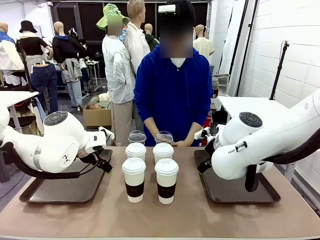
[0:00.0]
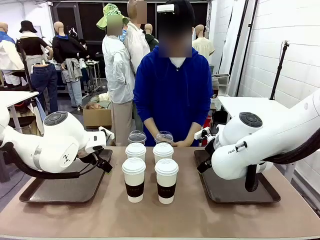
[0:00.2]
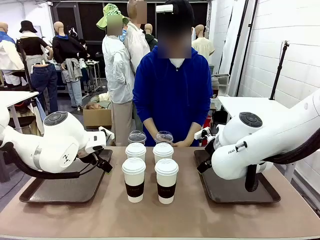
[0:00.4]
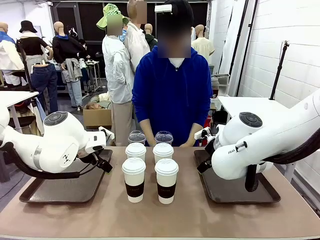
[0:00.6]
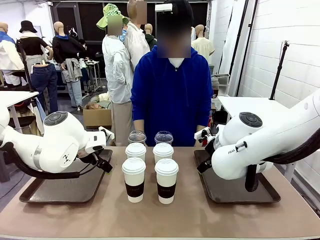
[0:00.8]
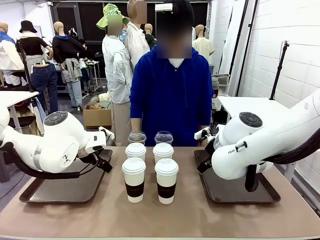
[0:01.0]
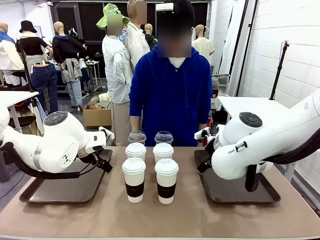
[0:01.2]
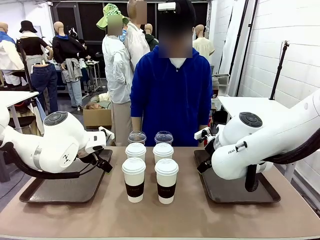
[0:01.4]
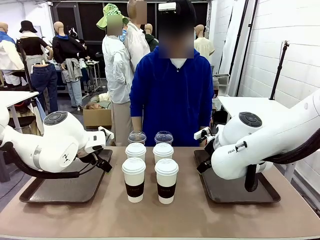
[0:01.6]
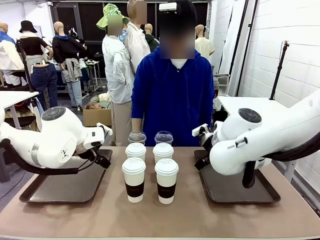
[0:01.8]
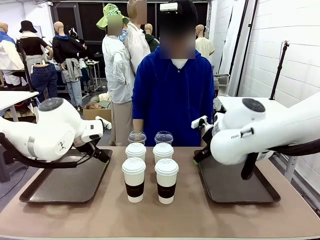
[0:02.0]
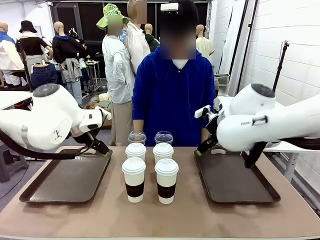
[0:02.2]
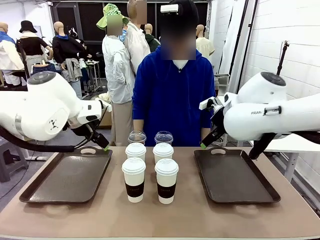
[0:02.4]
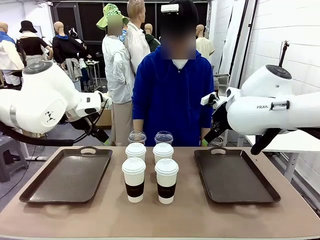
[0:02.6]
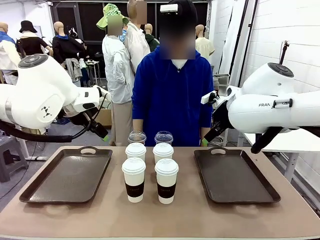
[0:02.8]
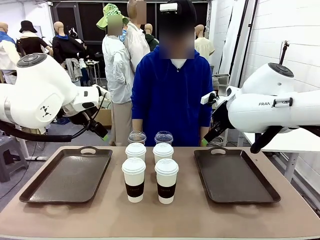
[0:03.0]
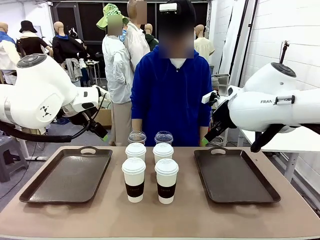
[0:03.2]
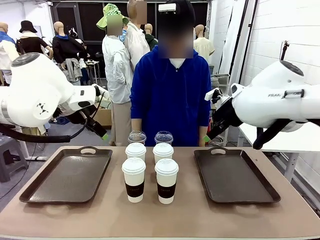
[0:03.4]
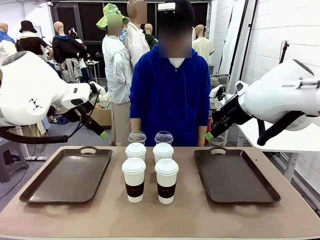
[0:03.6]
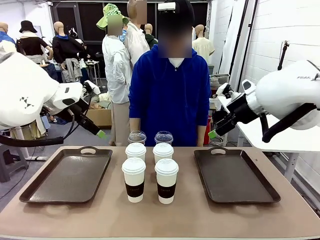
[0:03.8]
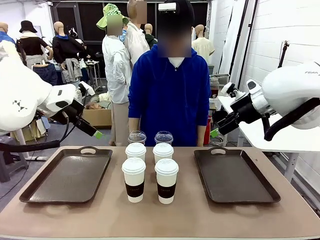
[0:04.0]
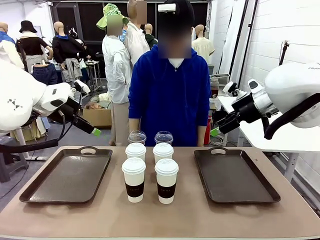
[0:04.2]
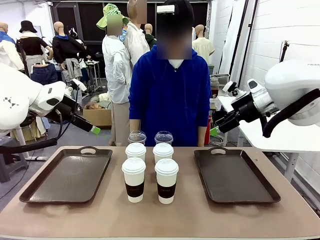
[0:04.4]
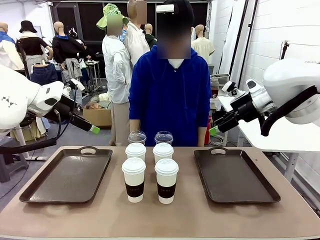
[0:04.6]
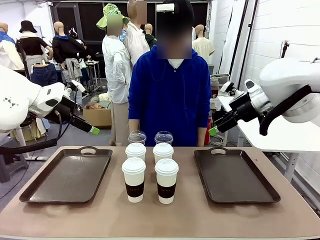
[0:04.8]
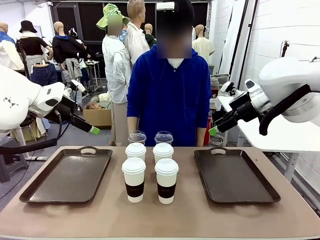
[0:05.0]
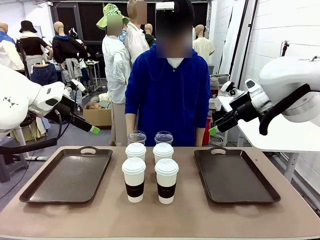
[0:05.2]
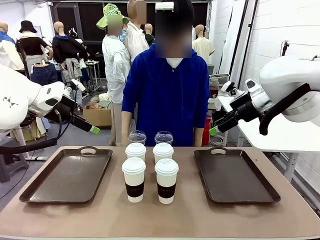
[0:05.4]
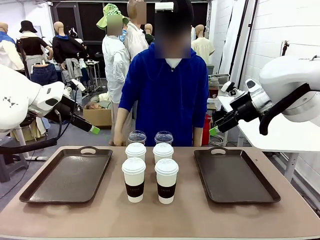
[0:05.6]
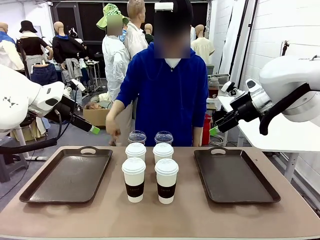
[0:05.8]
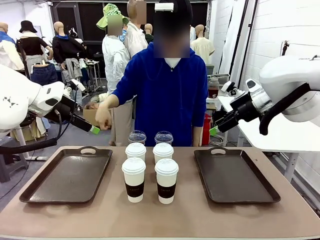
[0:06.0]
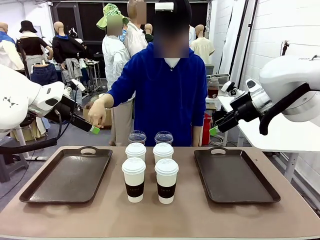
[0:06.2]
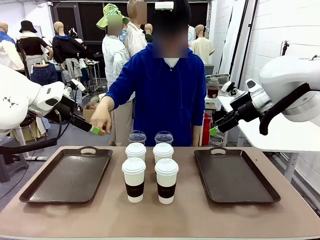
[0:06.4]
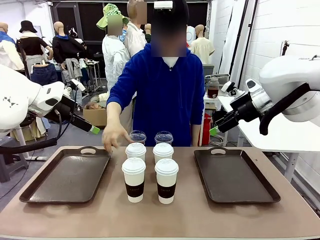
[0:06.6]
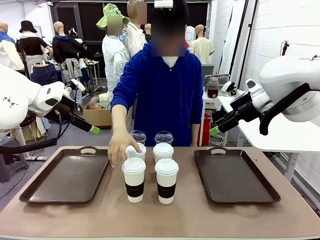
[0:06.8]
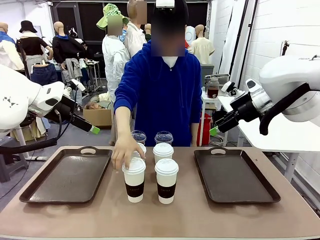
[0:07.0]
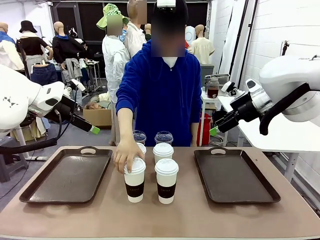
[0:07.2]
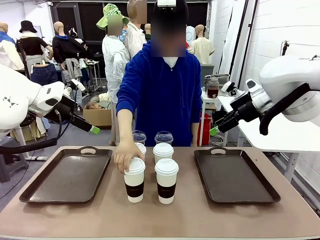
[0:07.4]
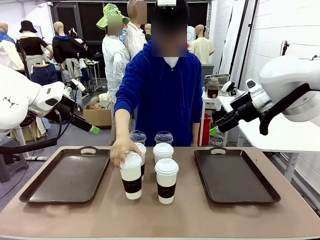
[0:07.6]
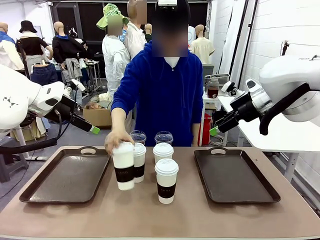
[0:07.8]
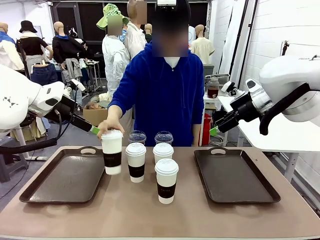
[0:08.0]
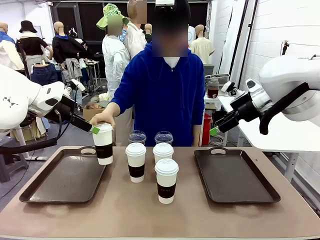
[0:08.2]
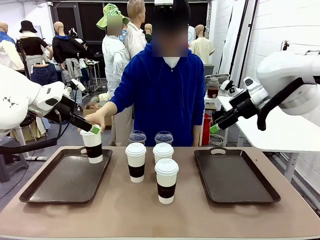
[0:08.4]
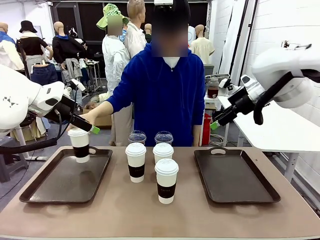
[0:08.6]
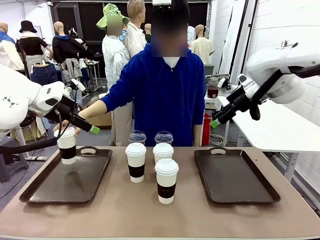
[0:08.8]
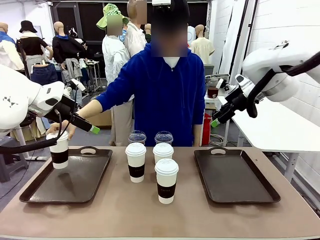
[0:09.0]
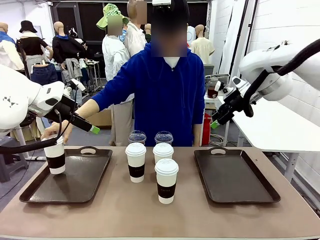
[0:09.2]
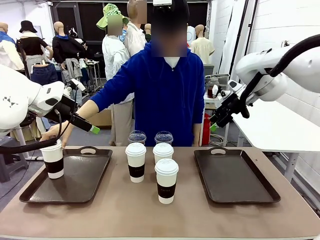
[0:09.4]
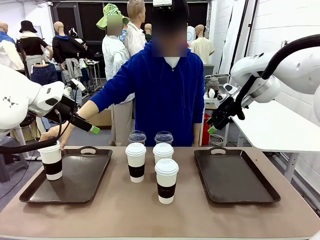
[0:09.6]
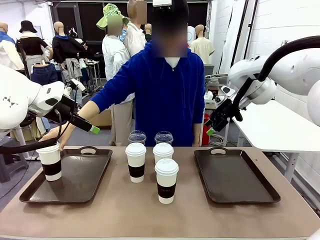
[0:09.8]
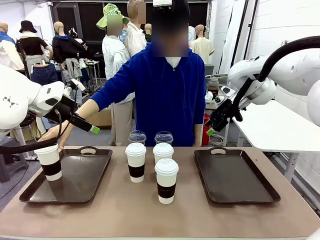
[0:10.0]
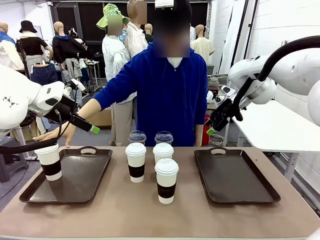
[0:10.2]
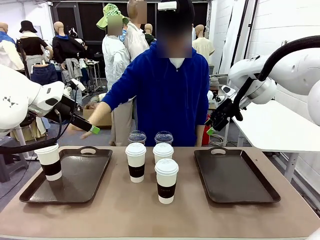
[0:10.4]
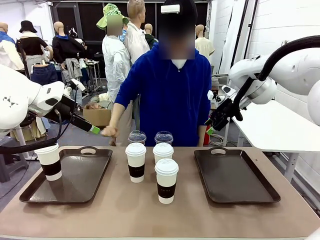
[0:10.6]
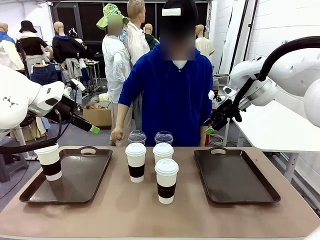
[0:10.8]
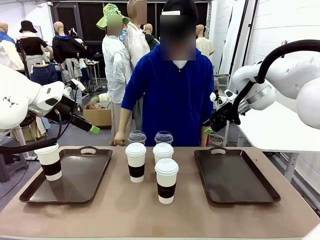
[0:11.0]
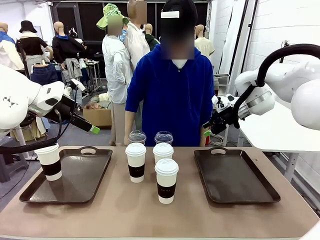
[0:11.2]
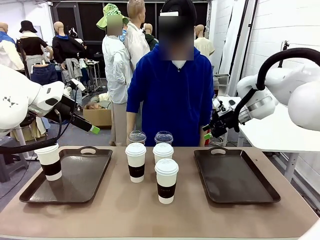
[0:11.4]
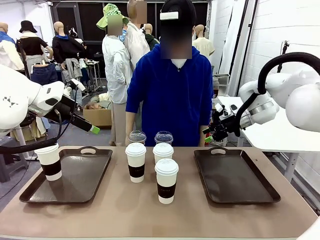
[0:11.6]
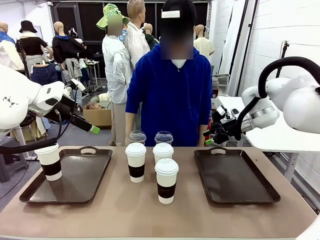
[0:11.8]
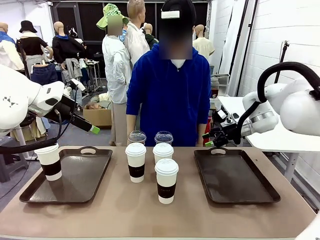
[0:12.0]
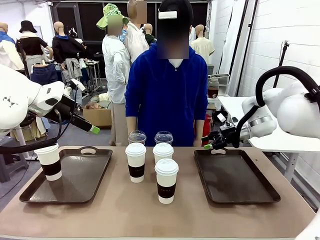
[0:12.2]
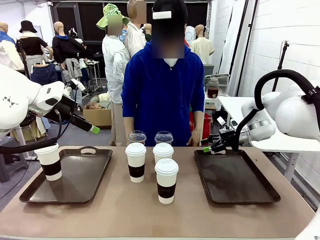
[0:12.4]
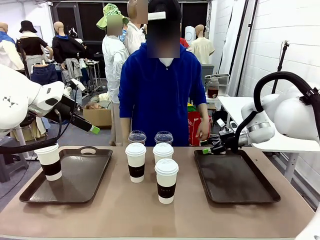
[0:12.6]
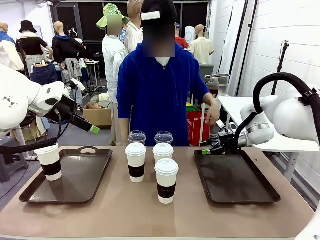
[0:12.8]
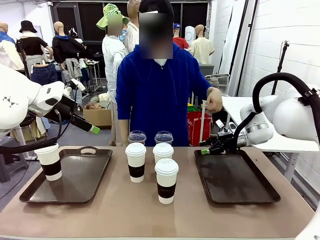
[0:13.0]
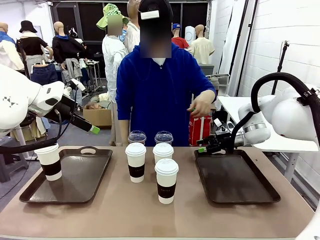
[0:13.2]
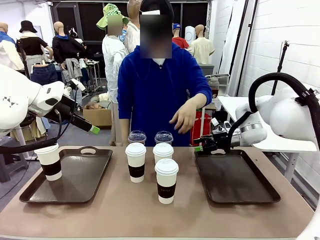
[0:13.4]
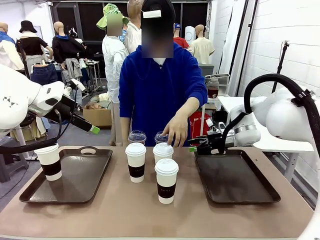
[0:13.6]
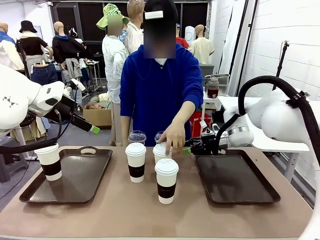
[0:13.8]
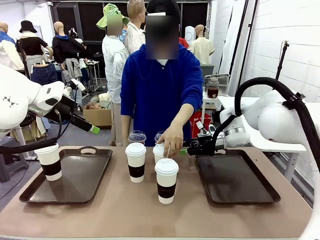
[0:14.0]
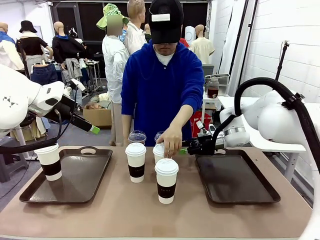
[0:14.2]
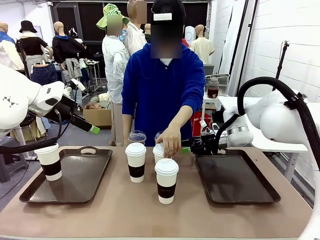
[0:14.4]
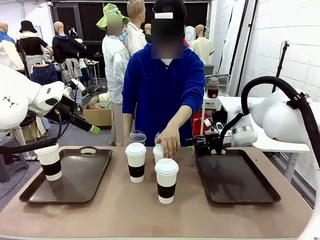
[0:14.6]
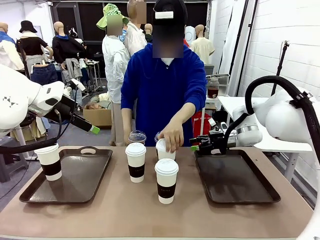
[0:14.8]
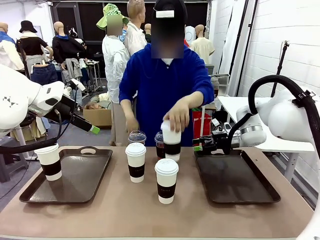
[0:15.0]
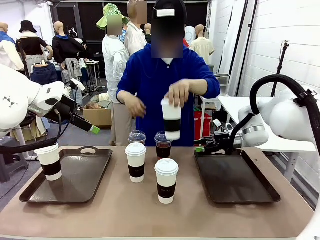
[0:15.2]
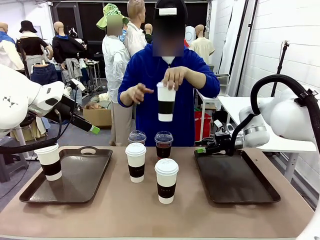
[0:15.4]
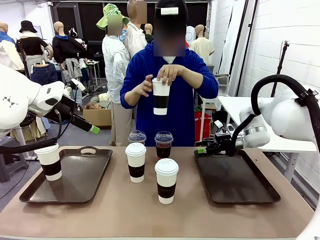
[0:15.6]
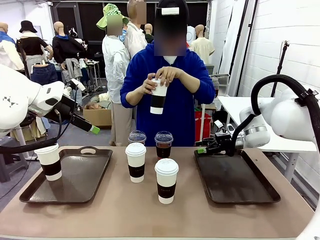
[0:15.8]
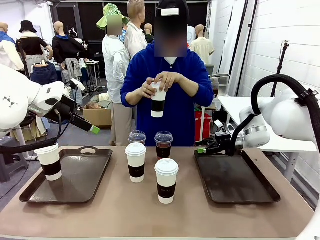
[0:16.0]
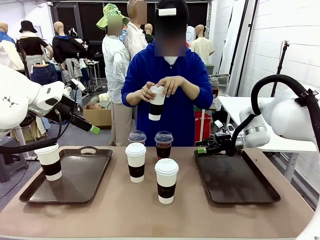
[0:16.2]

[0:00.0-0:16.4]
Task: Distribute the coffee onto the tray.
Robot: Pick up one iced Americano and place it on the right Handle tray.
Person: Pick up a cup of hot Americano and place it on the right tray.
